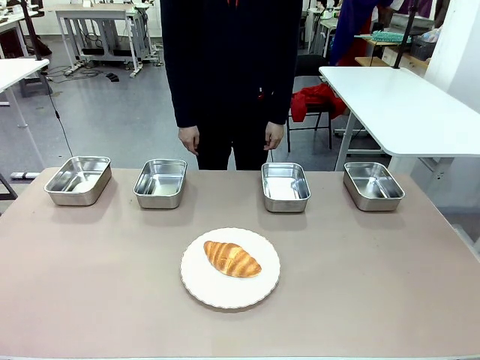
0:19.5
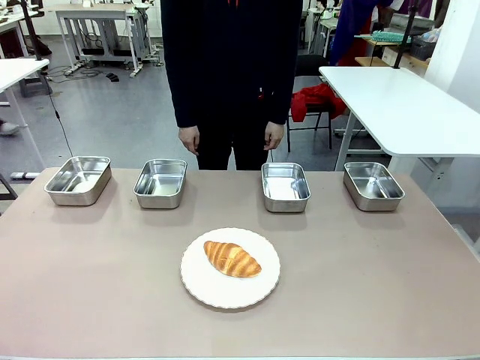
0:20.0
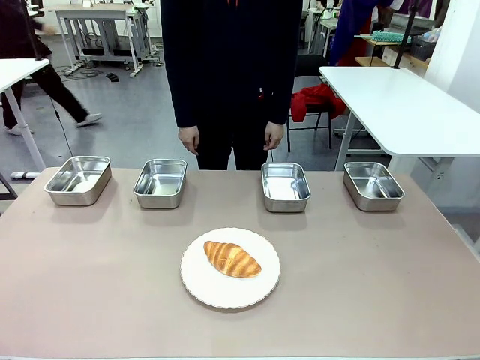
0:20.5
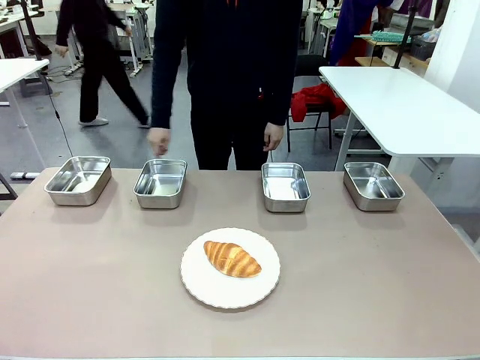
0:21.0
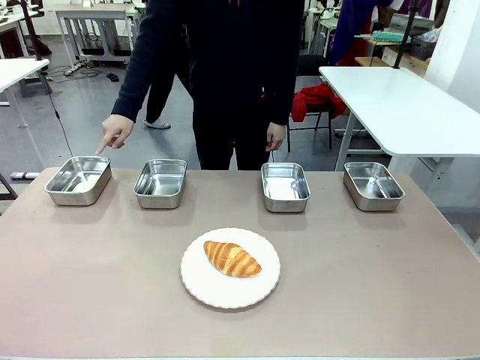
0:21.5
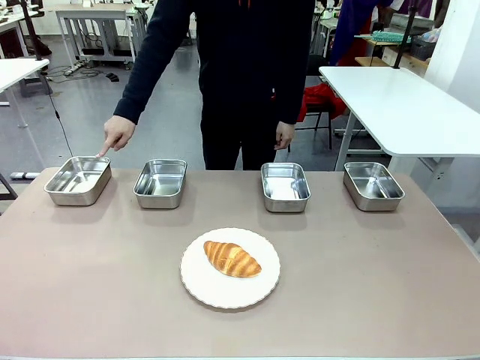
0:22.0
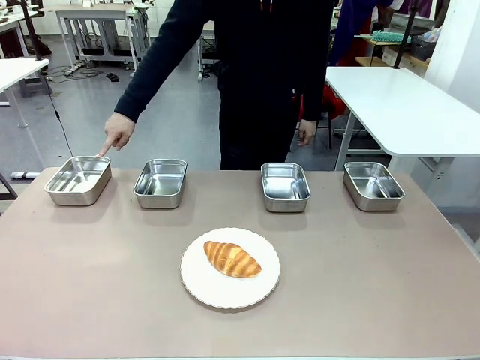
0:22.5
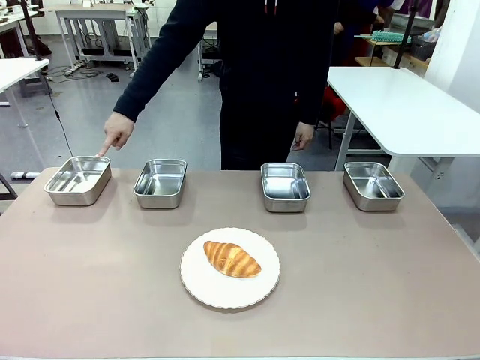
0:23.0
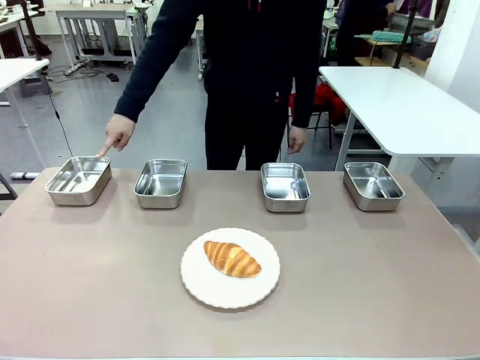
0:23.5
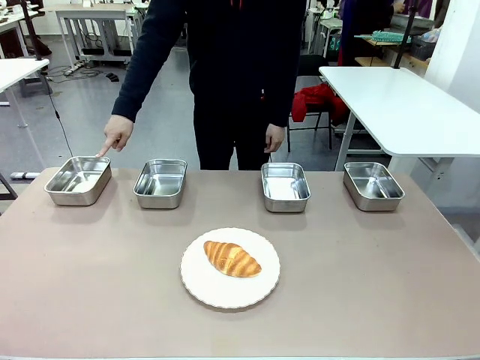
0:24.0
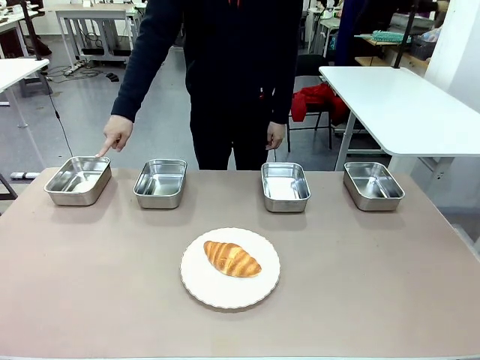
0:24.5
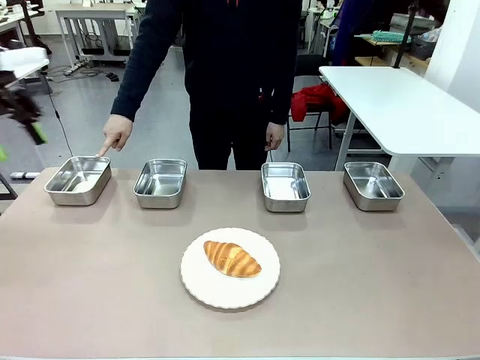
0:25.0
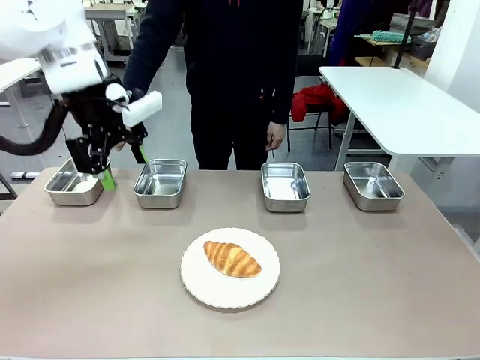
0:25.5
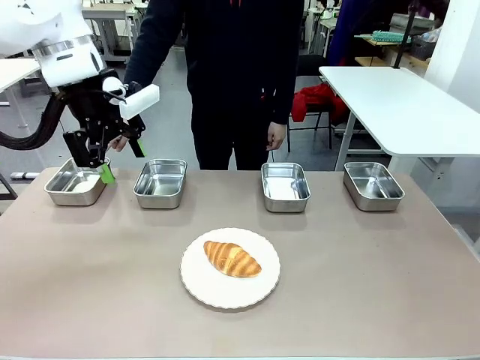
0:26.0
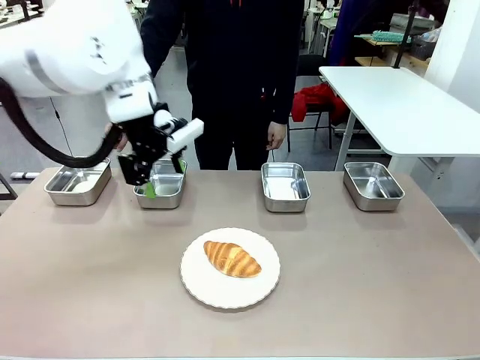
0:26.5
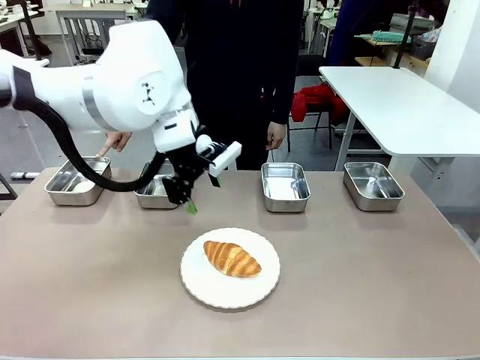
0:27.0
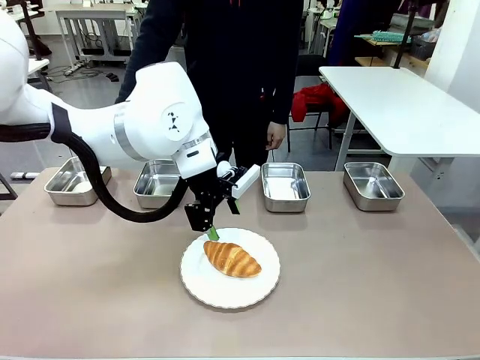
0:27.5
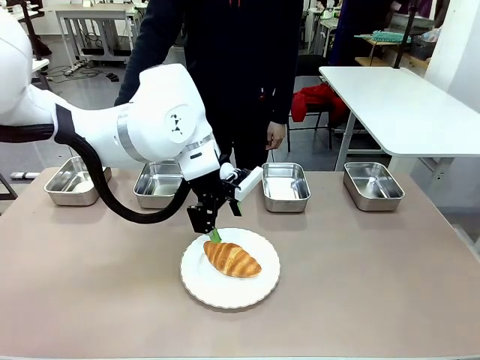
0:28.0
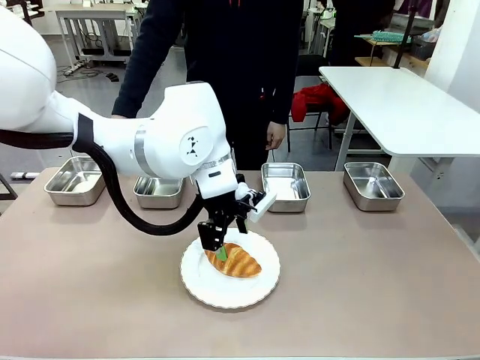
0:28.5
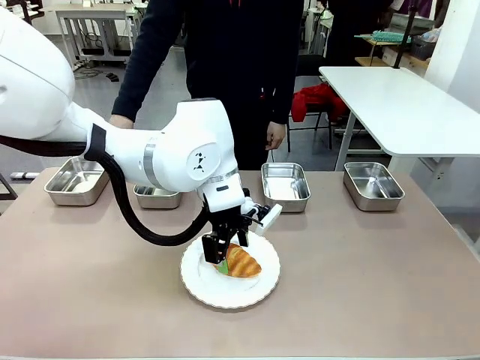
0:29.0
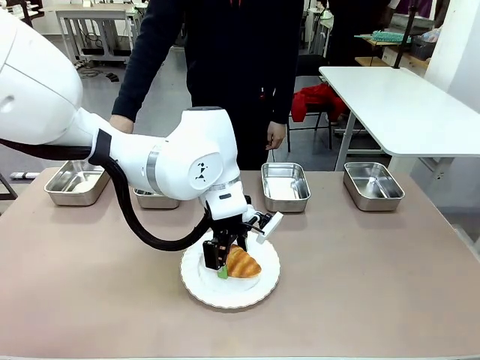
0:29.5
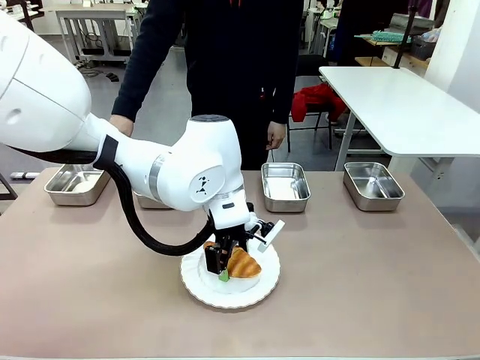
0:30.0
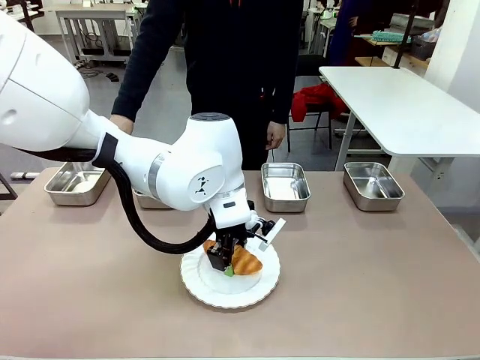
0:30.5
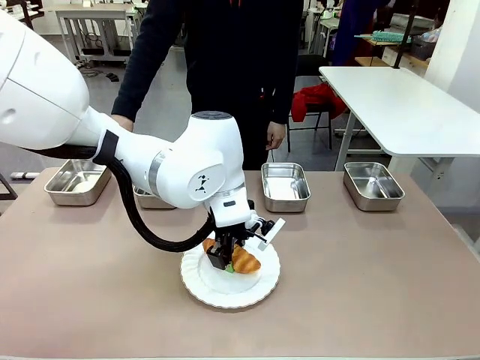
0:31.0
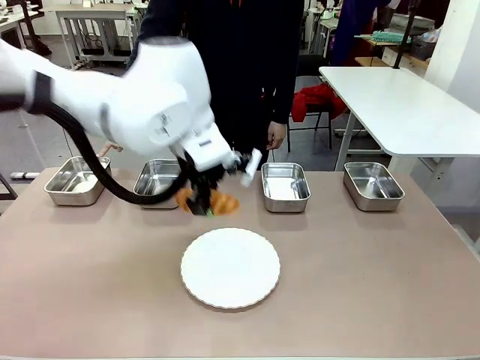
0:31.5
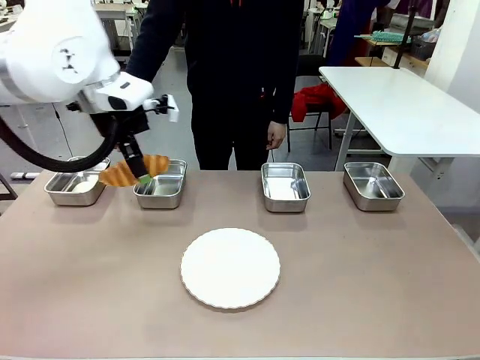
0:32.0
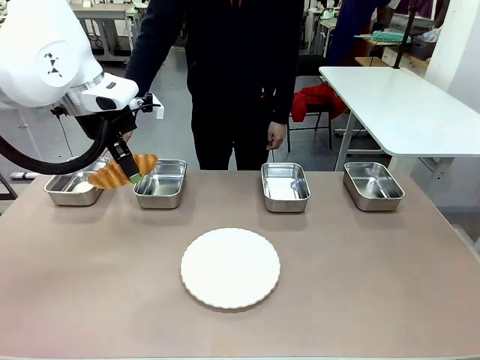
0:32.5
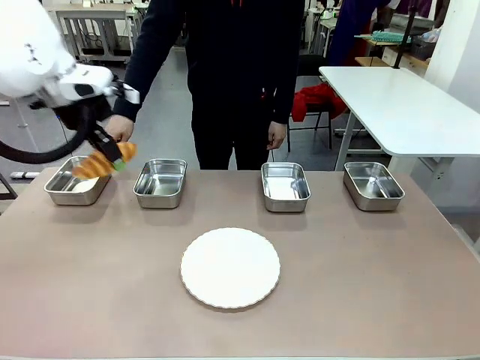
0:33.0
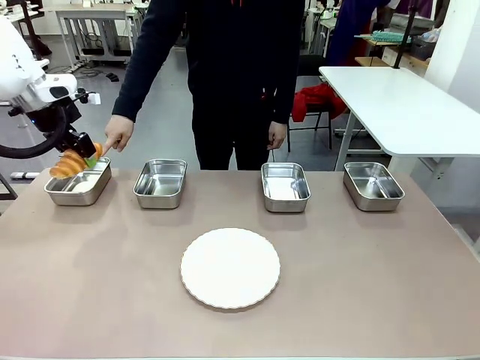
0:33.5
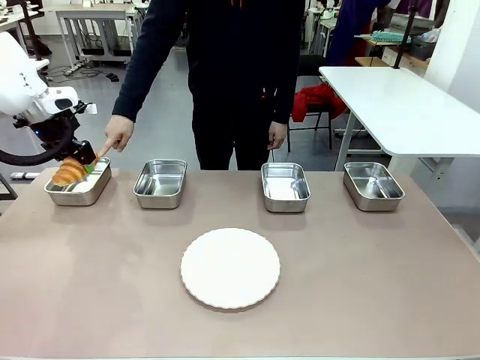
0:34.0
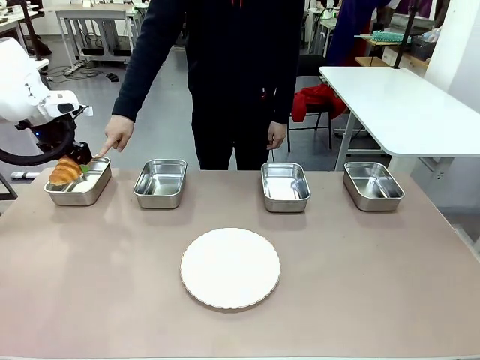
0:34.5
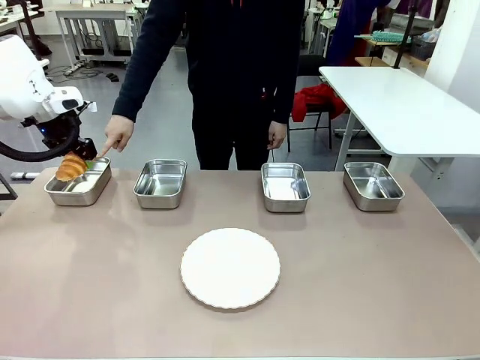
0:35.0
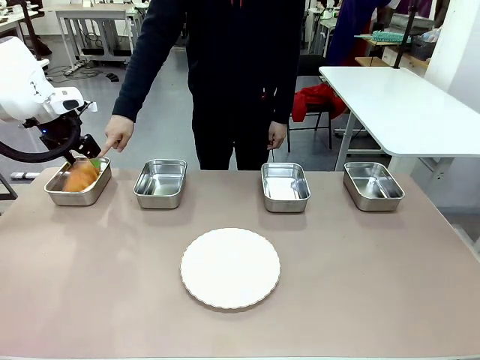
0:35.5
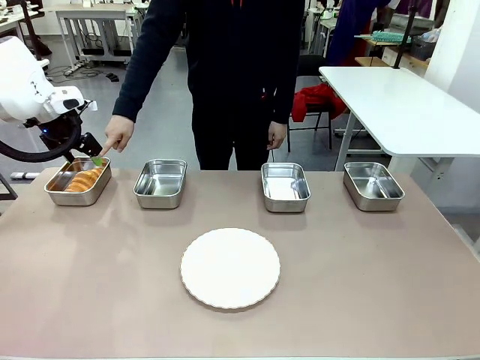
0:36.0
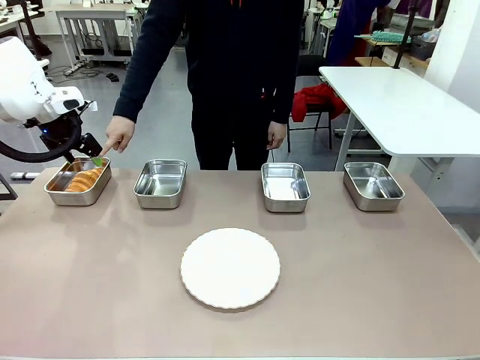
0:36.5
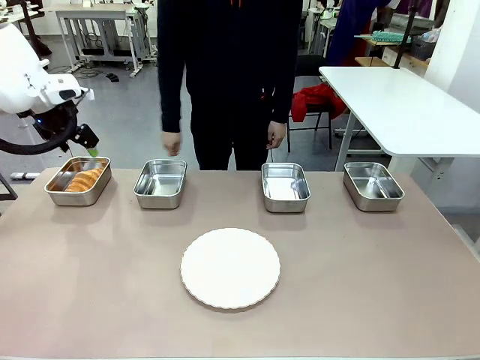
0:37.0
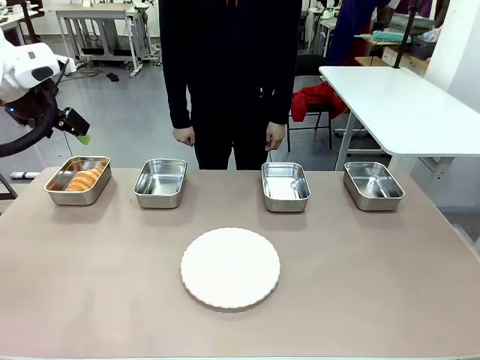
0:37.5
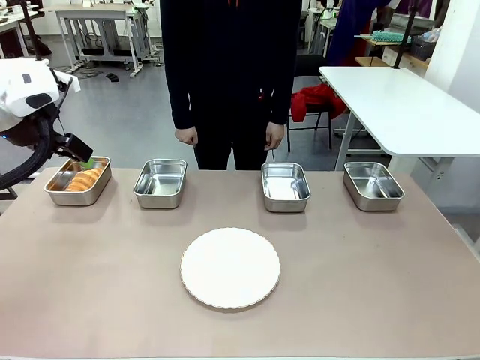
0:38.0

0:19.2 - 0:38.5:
Task: Place the bread in the container.
Robot: Place the Butter Roll into the Airtight Container indicated by the human.
Person: A person randomly selects and points to an Airtight Container.

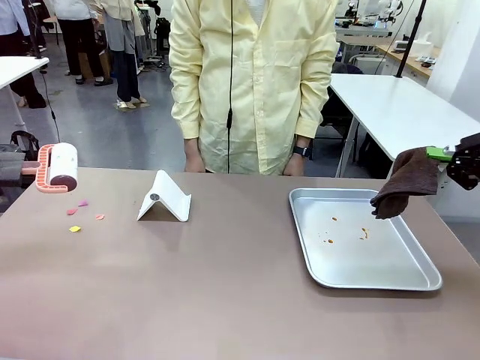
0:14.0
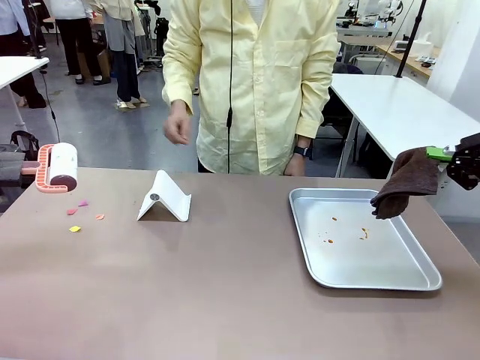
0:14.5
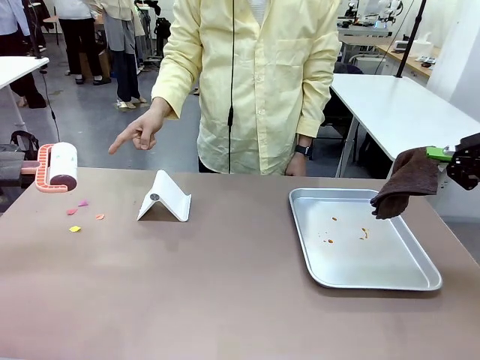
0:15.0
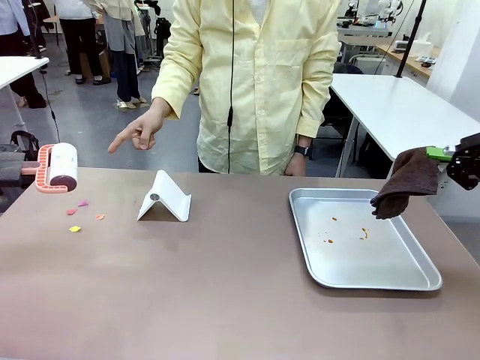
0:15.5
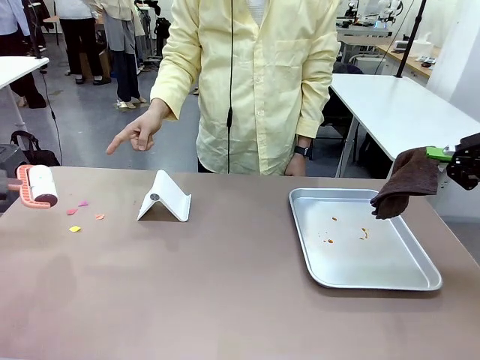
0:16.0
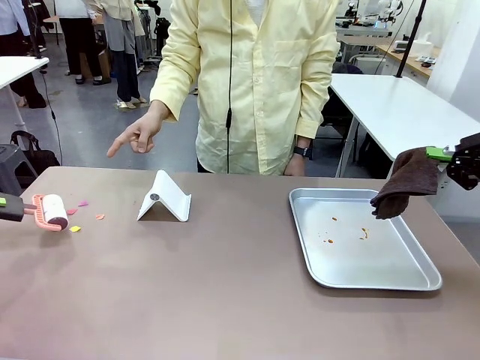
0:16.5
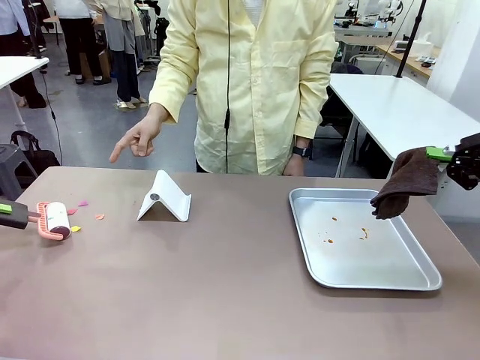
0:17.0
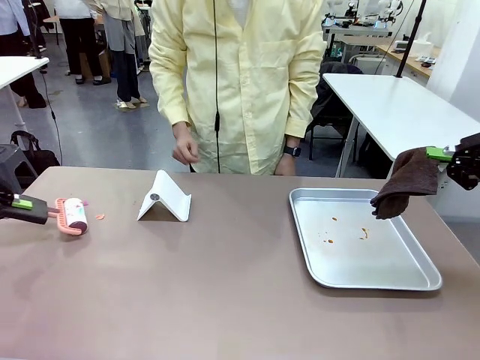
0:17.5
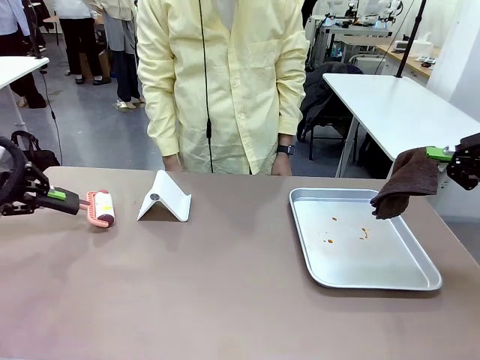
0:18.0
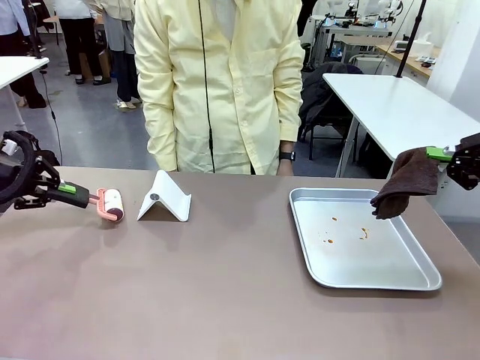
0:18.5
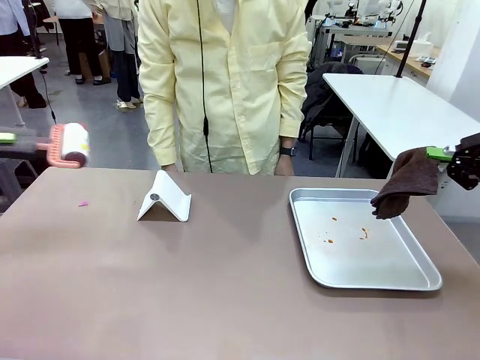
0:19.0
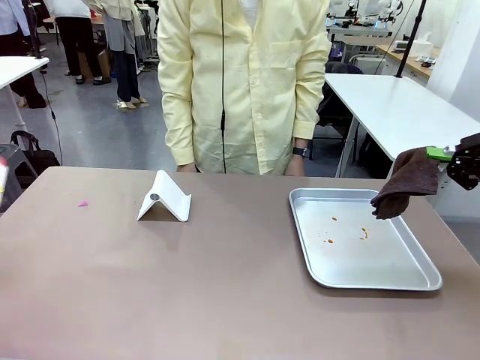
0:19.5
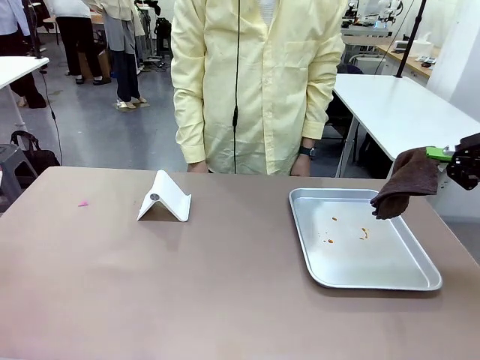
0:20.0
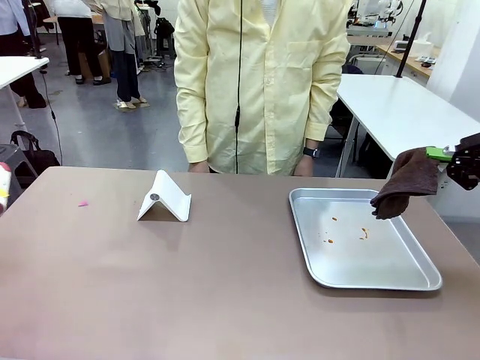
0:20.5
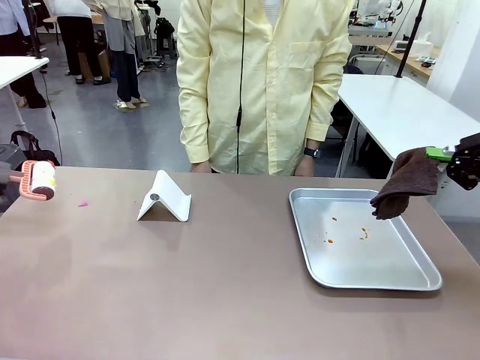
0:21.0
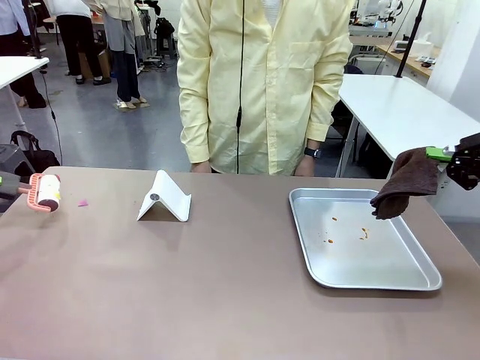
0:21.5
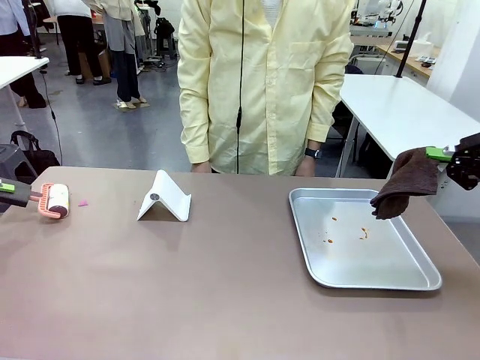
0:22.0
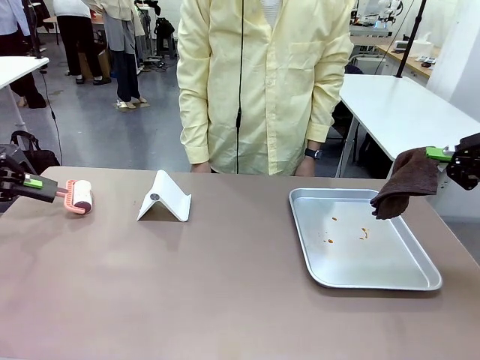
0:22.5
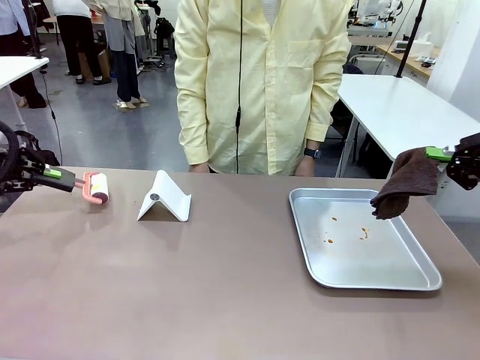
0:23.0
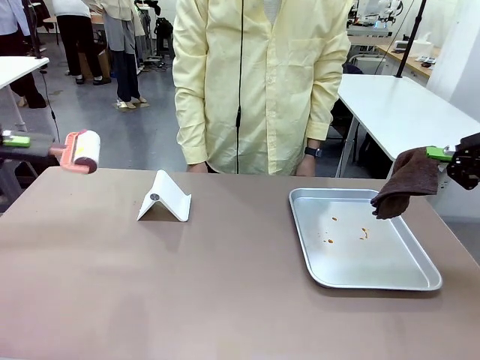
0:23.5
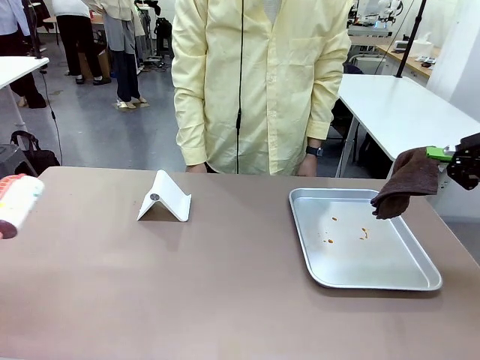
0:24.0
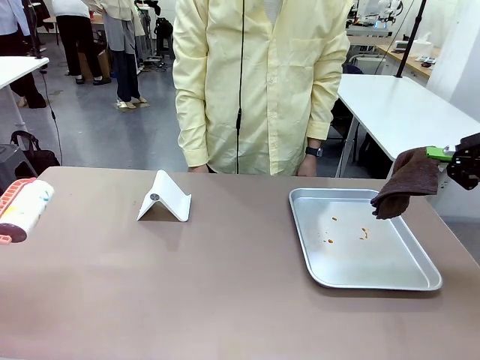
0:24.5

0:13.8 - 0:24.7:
Task: Clean the surface of the table.
Robot: If a person points to the right, clean the right side of the table with your right hand, and if they point to the left, clean the left side with your left hand.
